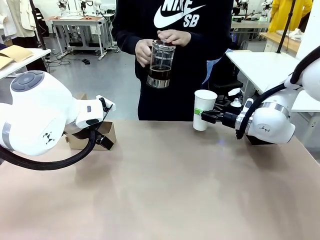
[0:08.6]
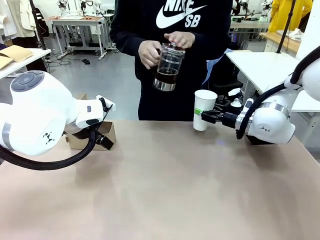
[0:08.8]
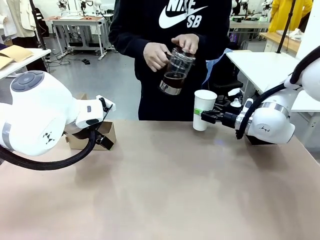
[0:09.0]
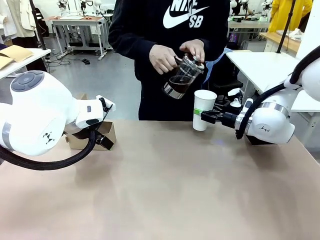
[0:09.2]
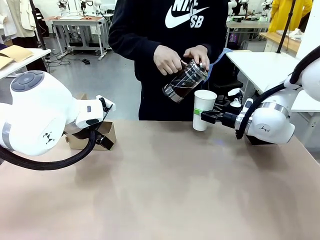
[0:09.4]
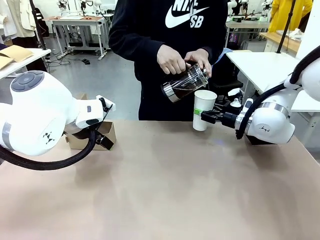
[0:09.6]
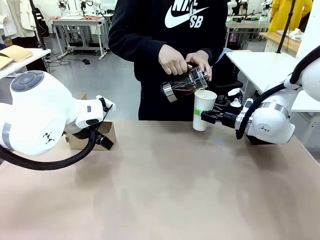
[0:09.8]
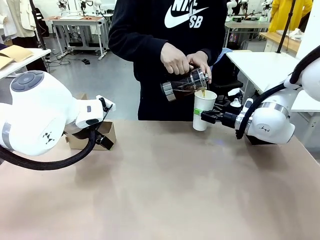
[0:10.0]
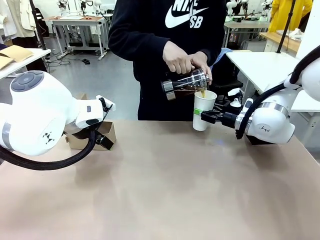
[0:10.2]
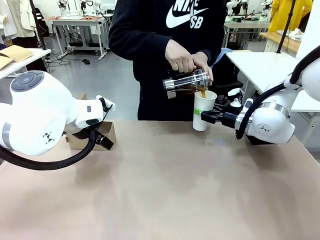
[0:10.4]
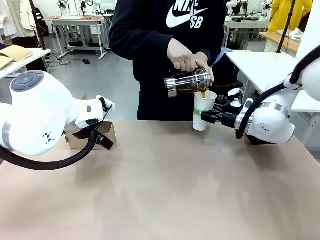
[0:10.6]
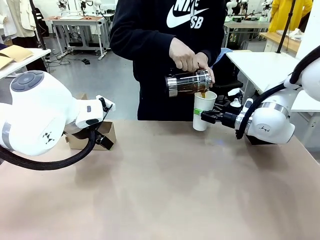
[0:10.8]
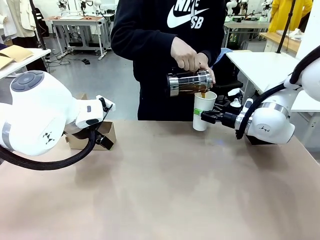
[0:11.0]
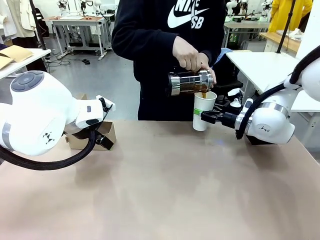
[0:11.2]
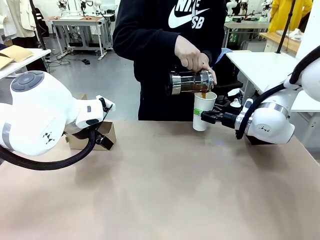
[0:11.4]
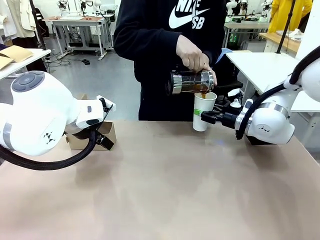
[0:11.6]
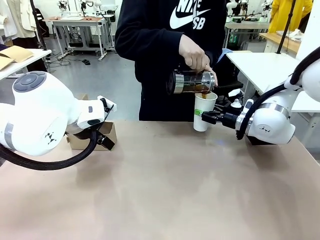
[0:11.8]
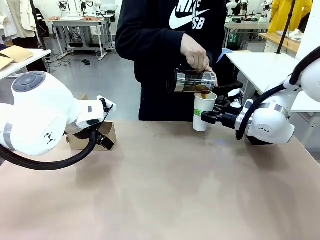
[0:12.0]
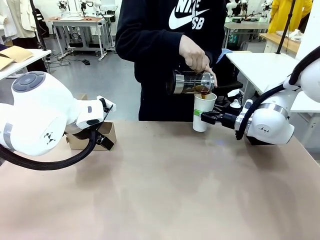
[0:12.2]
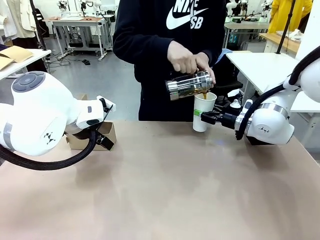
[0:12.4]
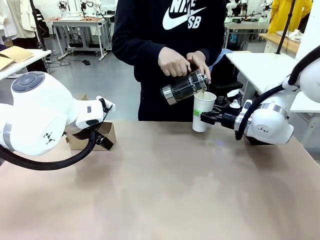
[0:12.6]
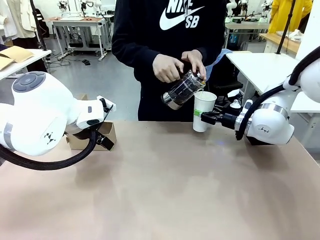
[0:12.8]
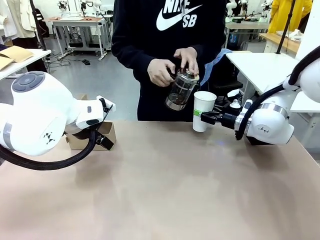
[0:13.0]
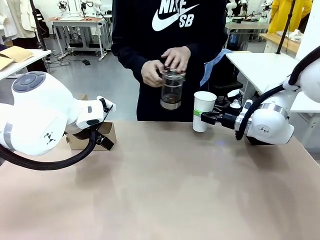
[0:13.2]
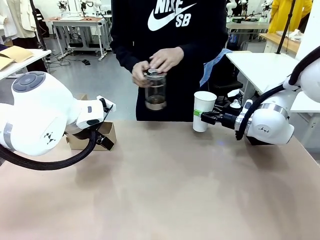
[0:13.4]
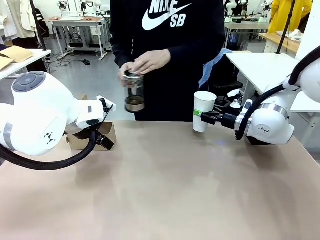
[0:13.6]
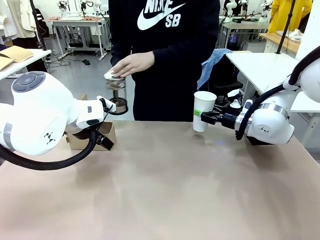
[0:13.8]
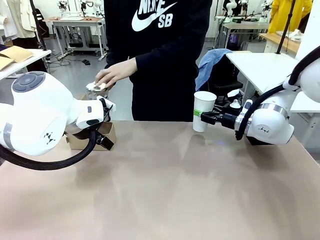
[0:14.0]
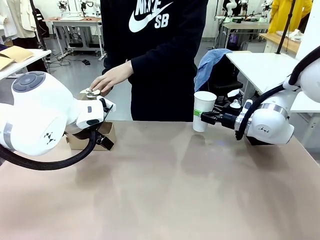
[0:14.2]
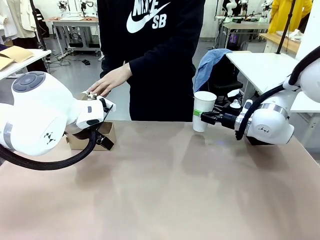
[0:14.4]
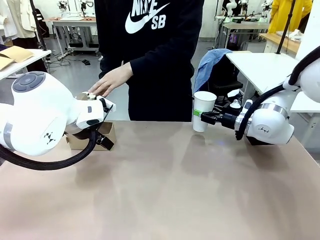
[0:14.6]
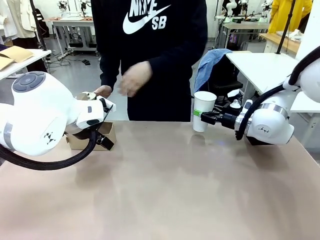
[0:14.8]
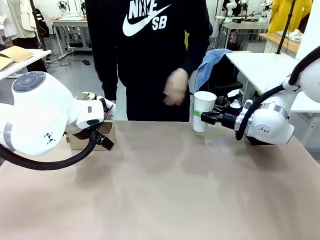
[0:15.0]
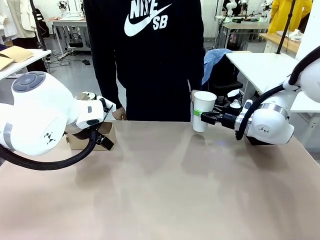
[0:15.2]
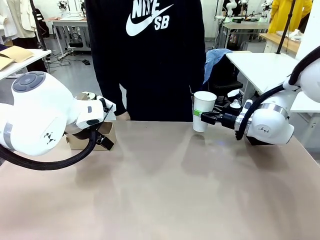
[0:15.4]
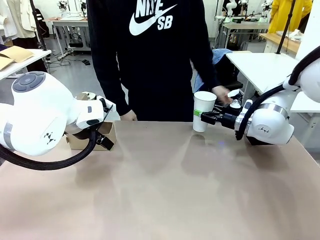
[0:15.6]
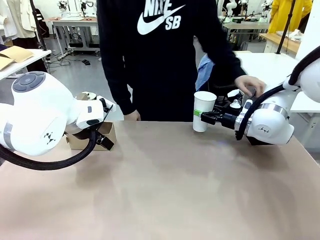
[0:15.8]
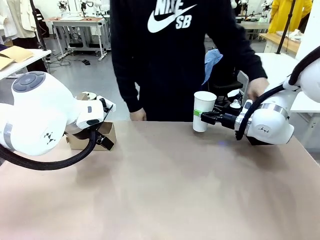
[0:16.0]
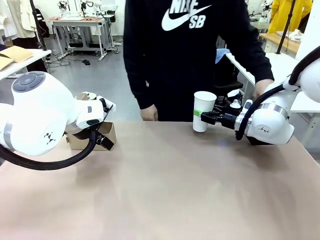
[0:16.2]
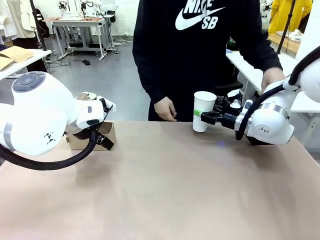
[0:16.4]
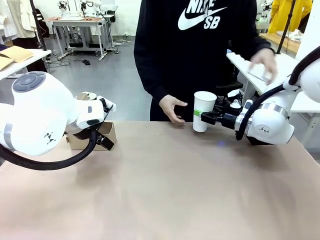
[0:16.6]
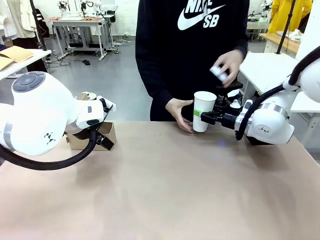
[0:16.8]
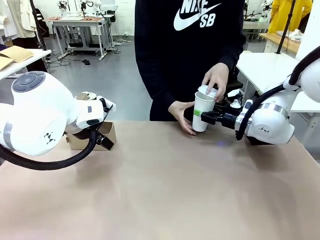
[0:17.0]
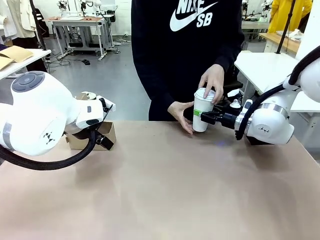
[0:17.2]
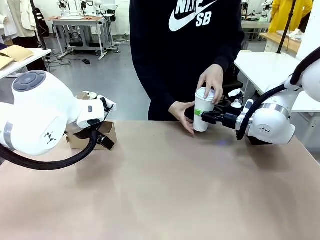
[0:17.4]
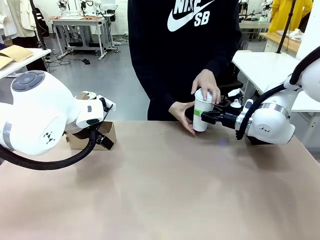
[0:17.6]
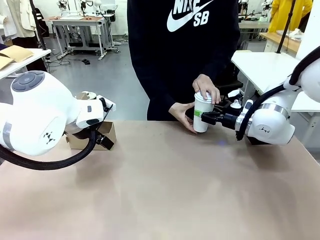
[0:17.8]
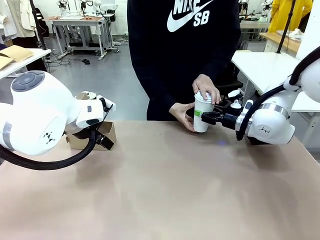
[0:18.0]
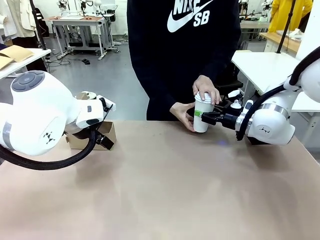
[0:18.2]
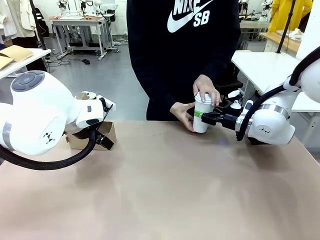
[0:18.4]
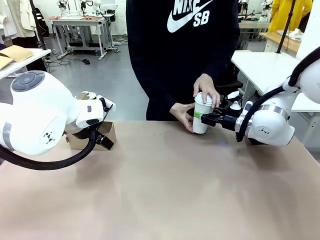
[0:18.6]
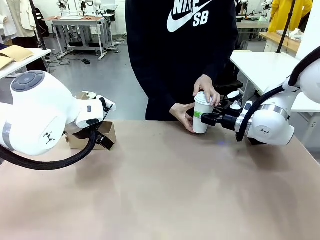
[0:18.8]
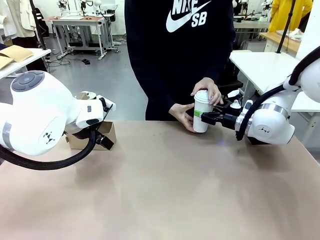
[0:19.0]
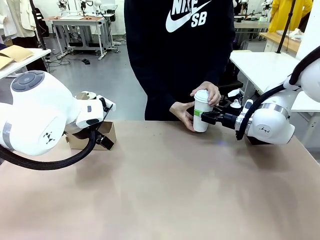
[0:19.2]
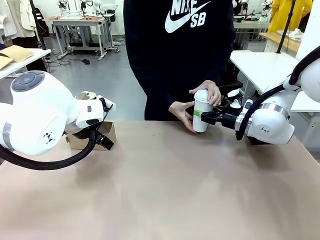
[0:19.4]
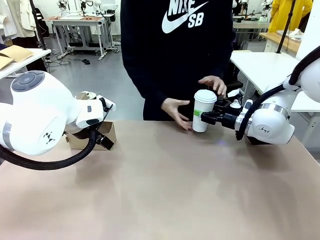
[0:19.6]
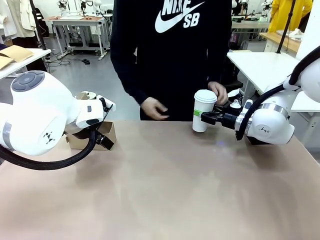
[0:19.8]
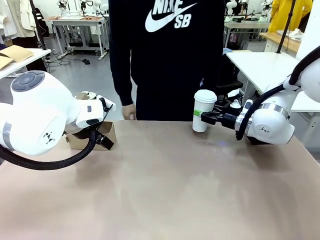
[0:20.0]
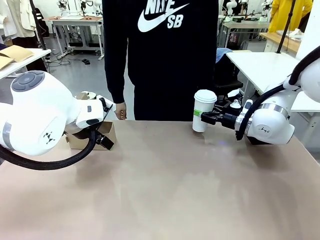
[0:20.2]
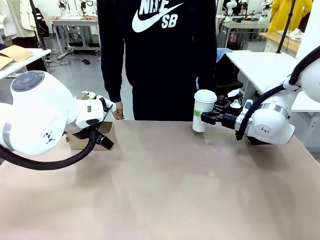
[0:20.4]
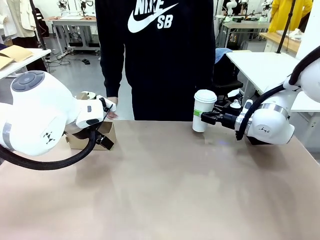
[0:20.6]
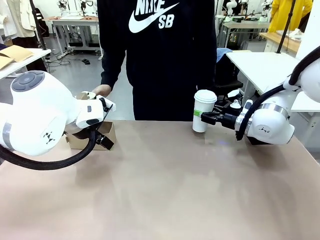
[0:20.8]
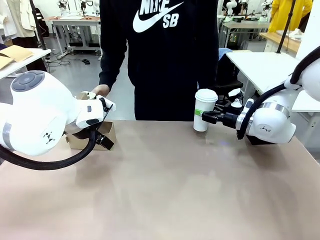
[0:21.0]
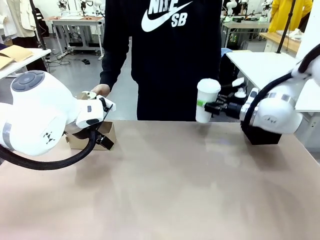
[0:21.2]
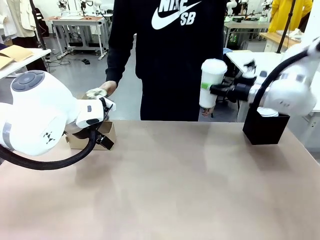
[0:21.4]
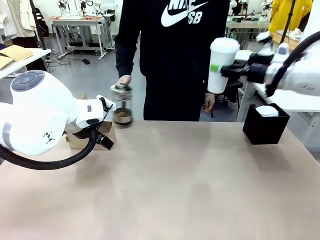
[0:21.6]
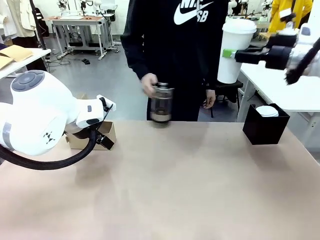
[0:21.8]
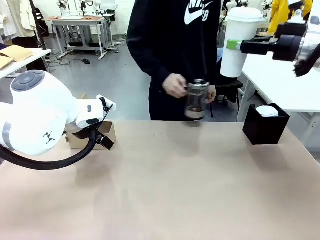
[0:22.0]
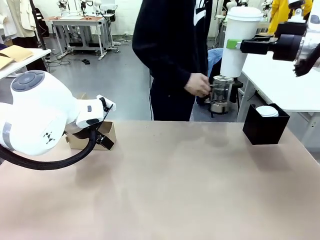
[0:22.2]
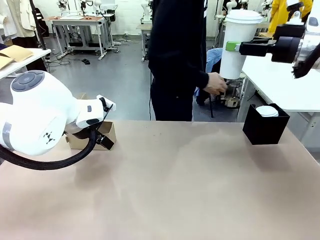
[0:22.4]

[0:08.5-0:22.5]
Task: Pour a drink into a cup and package it in a carrier.
Robot: When a person places the Paper Cup Lid on the 600 ml Paper Cup , lift the 600 ml Paper Cup.
Person: Pour the drink from the Filter Brewing into the 600 ml Paper Cup. Place a Paper Cup Lid on the 600 ml Paper Cup.

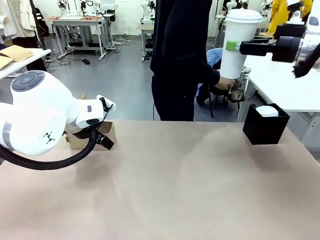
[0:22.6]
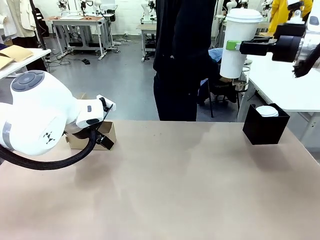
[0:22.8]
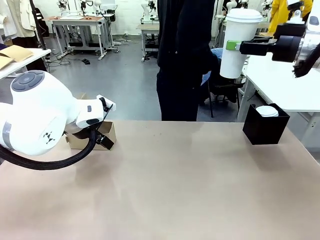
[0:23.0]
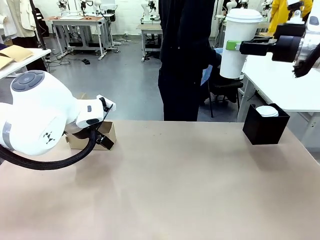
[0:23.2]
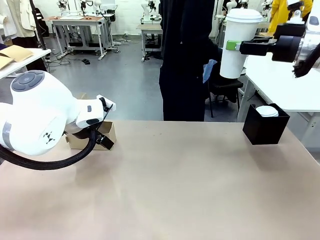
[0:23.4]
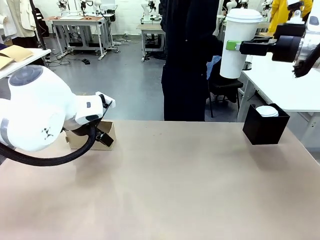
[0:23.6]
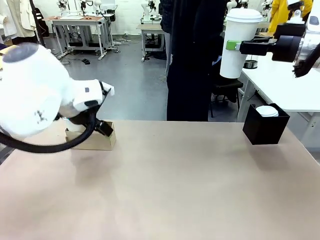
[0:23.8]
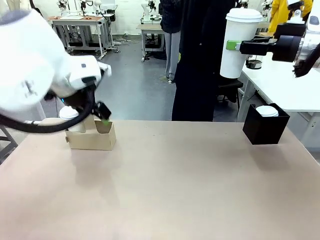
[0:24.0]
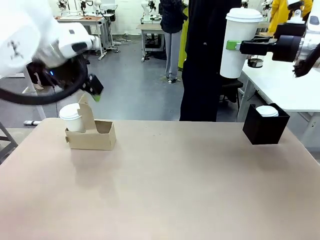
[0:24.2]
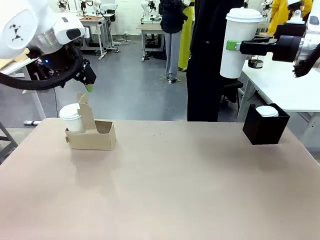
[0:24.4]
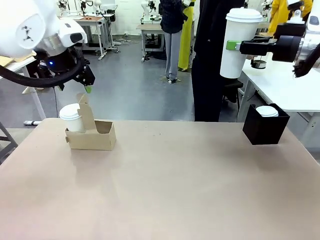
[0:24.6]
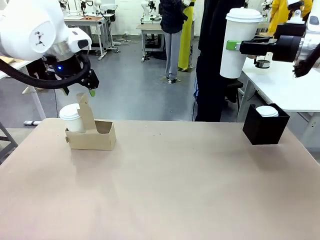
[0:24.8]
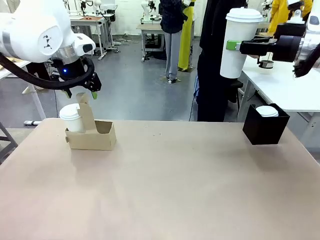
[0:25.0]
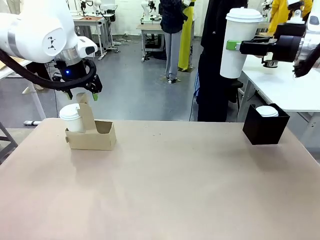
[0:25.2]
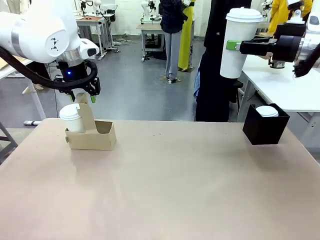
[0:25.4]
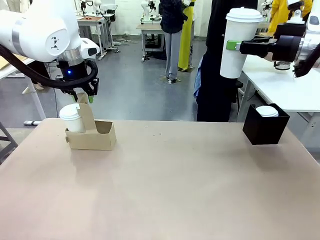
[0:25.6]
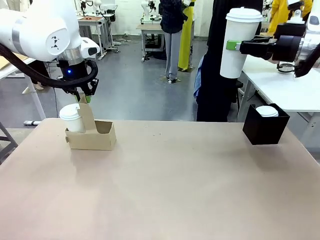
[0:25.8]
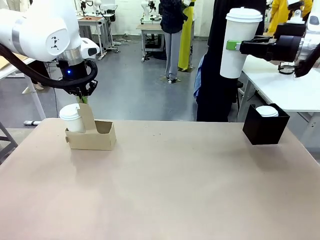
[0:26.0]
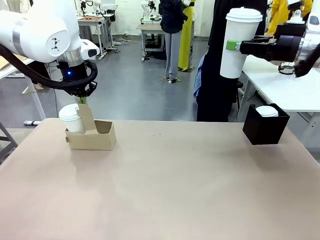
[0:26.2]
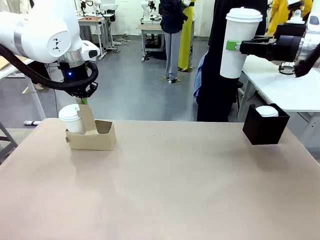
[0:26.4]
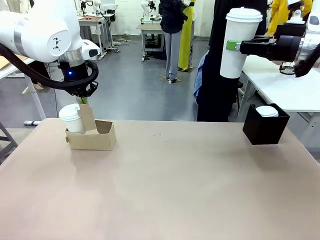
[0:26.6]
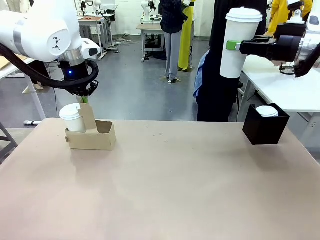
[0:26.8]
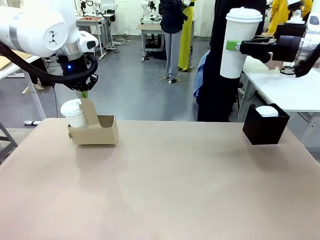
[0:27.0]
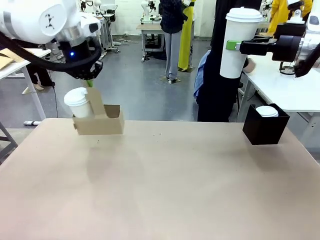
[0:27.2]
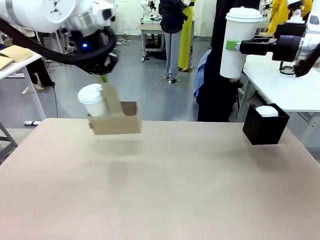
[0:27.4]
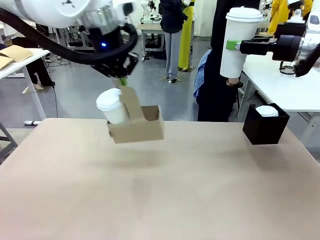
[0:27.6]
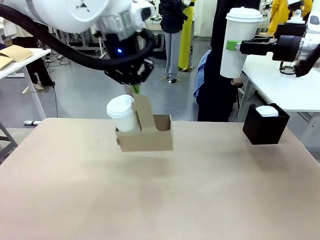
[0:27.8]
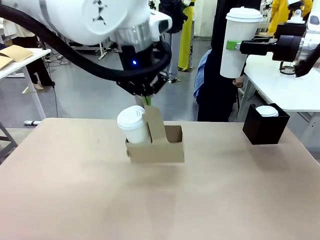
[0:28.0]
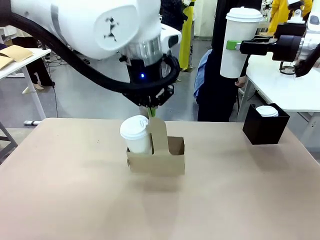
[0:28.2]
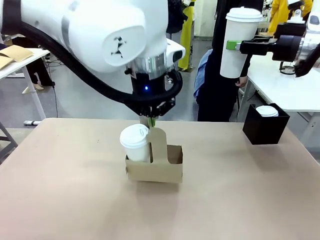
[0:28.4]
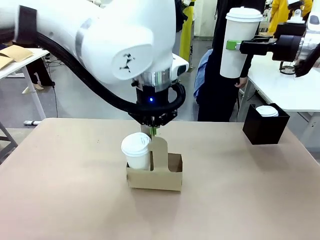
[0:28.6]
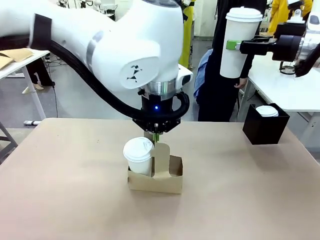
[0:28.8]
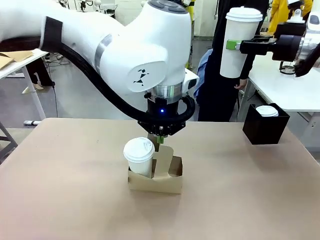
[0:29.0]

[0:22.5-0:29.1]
Robot: Position the Cup Carrier in the center of the table.
